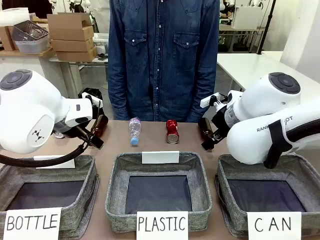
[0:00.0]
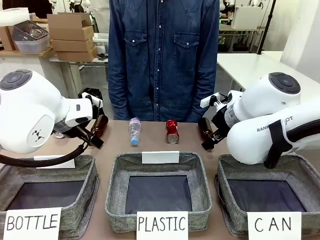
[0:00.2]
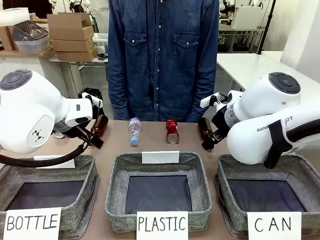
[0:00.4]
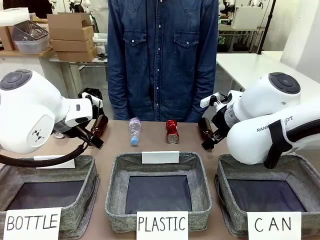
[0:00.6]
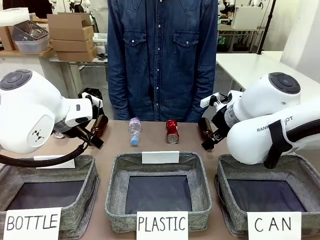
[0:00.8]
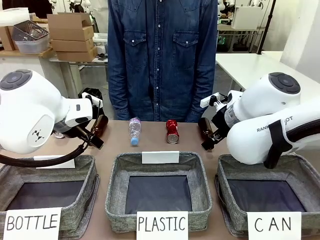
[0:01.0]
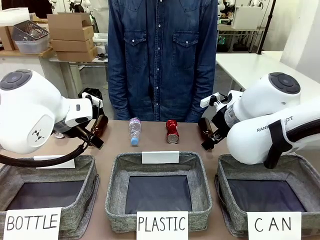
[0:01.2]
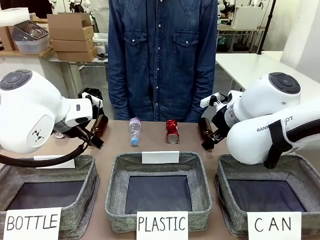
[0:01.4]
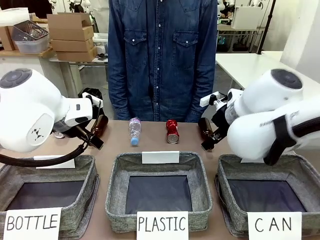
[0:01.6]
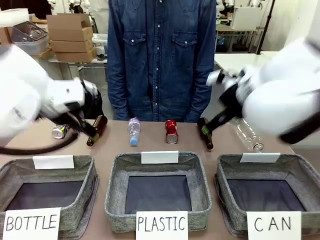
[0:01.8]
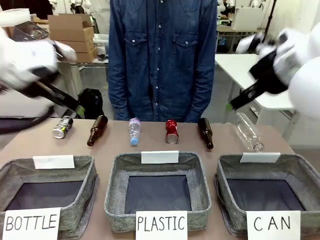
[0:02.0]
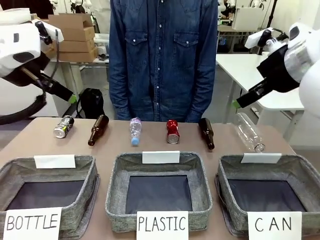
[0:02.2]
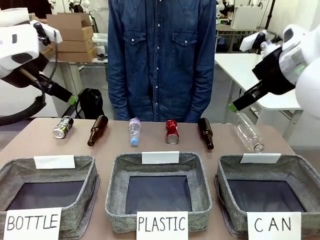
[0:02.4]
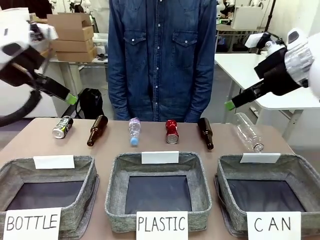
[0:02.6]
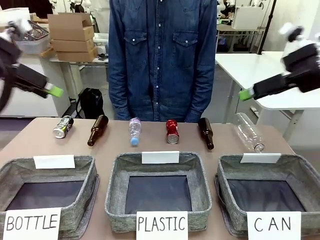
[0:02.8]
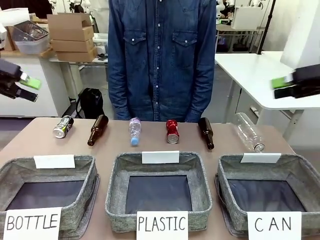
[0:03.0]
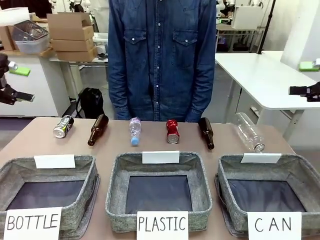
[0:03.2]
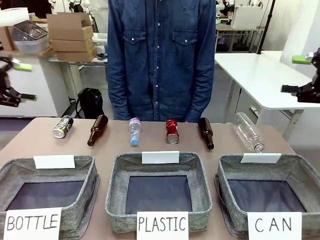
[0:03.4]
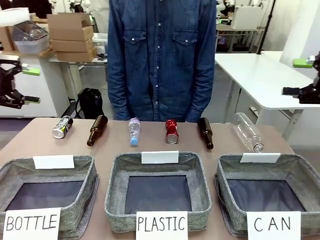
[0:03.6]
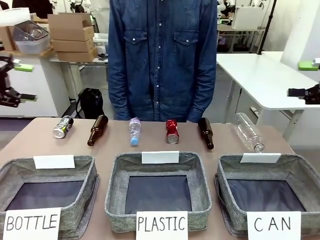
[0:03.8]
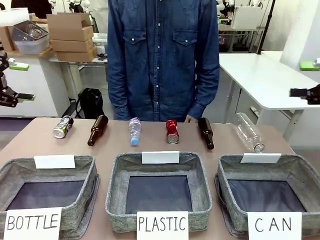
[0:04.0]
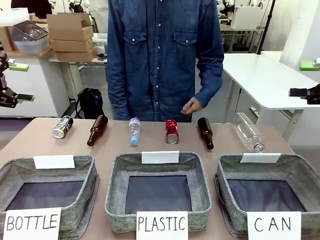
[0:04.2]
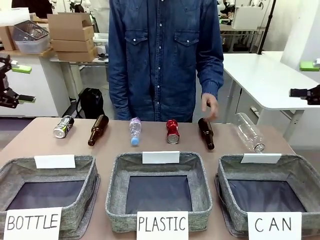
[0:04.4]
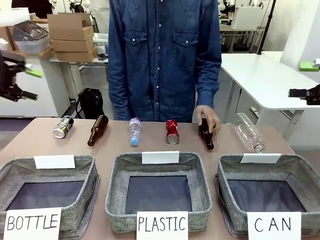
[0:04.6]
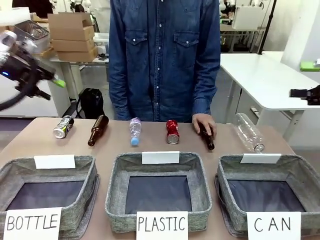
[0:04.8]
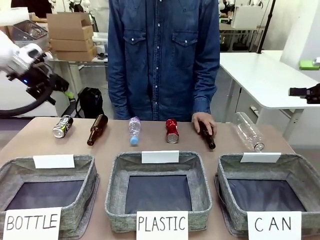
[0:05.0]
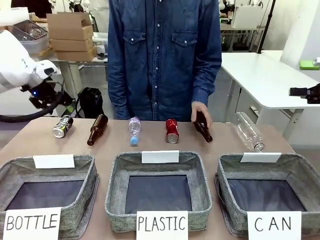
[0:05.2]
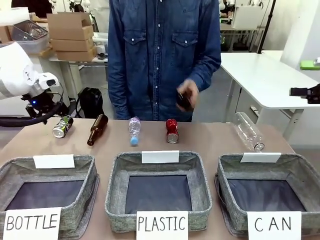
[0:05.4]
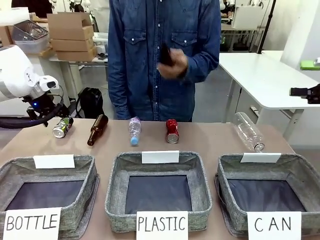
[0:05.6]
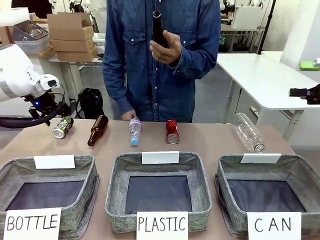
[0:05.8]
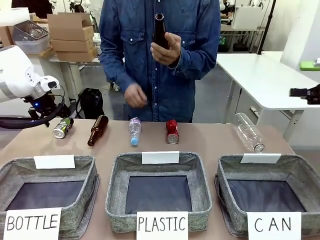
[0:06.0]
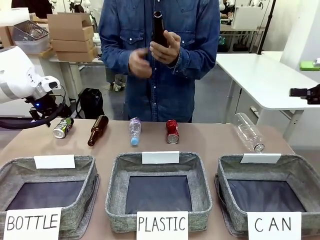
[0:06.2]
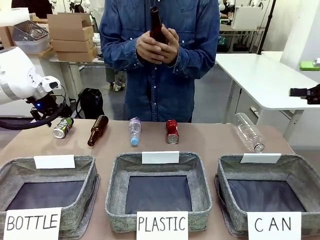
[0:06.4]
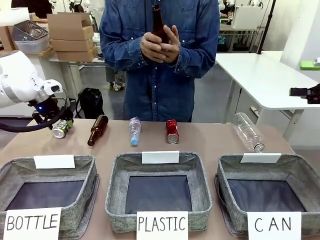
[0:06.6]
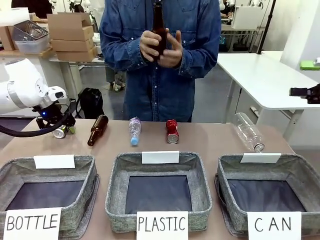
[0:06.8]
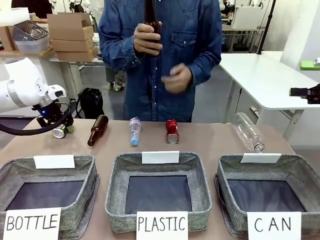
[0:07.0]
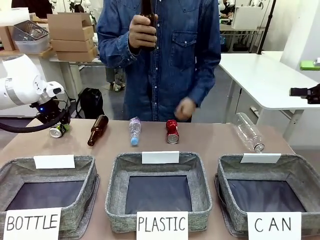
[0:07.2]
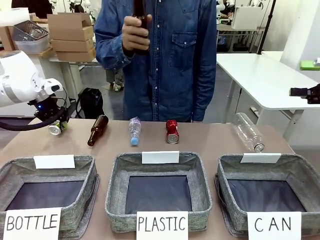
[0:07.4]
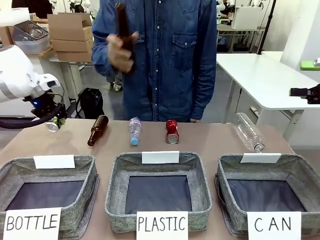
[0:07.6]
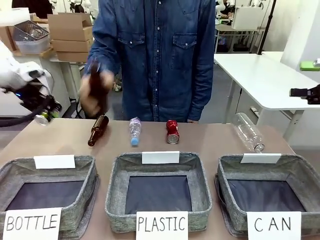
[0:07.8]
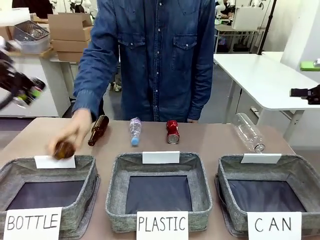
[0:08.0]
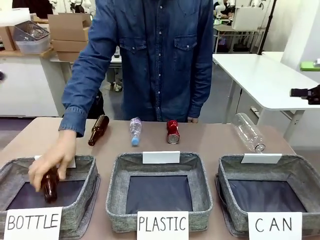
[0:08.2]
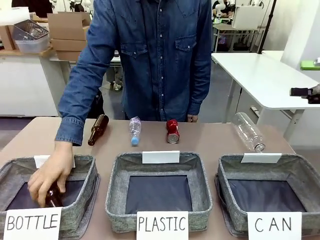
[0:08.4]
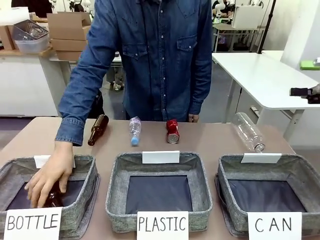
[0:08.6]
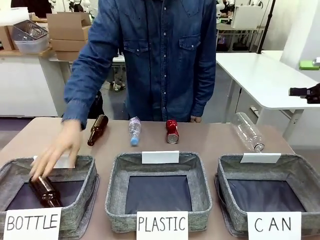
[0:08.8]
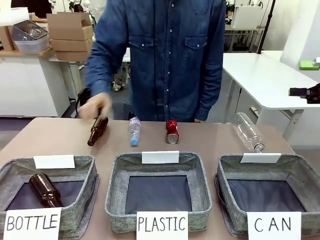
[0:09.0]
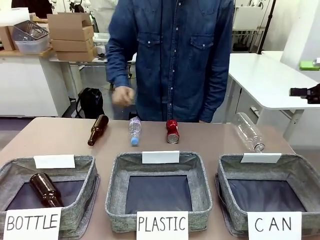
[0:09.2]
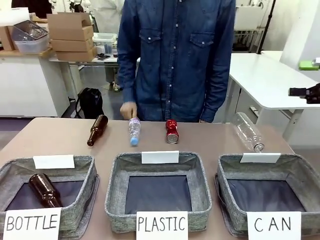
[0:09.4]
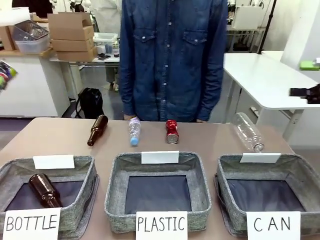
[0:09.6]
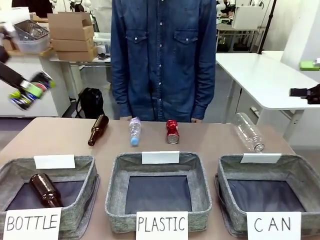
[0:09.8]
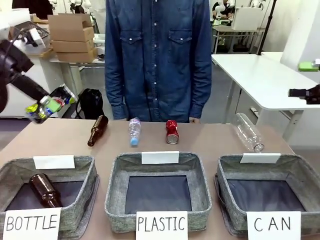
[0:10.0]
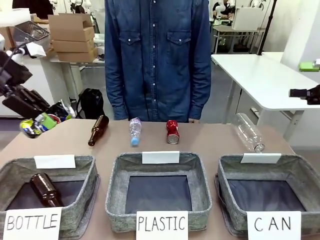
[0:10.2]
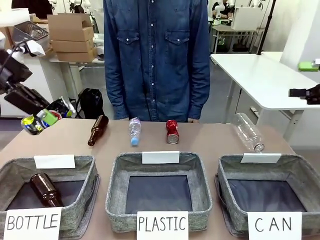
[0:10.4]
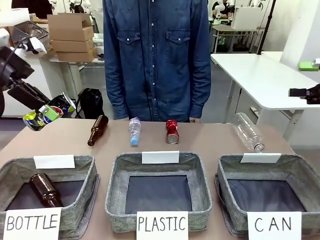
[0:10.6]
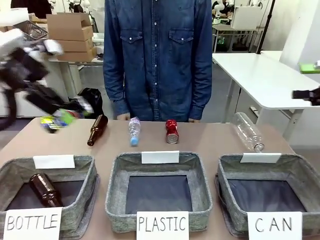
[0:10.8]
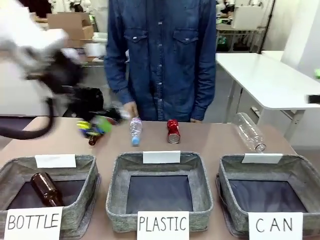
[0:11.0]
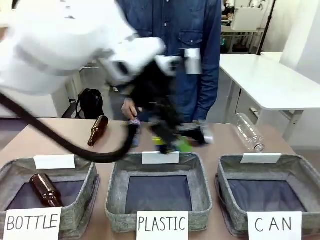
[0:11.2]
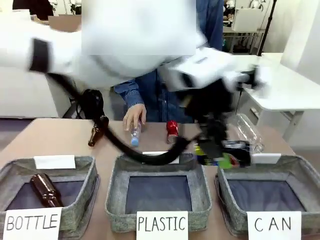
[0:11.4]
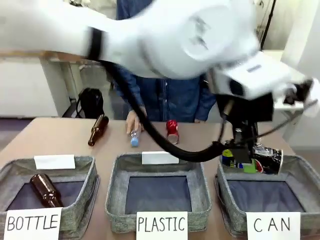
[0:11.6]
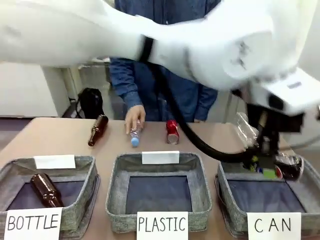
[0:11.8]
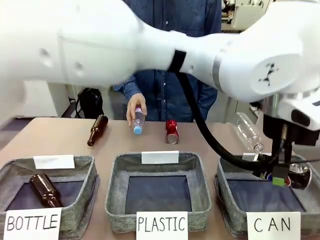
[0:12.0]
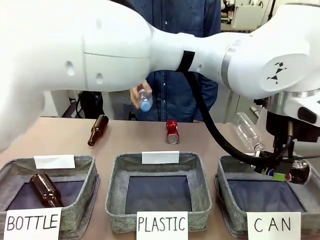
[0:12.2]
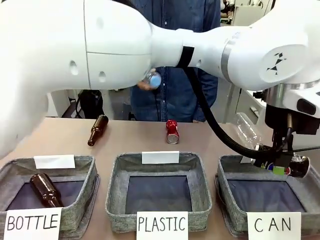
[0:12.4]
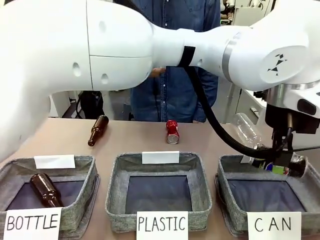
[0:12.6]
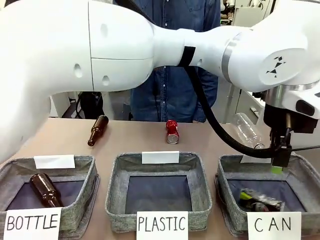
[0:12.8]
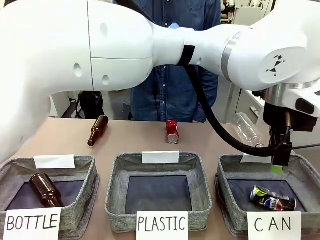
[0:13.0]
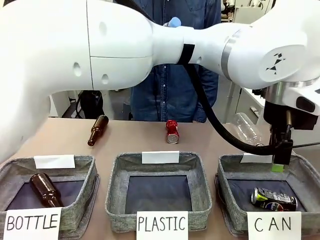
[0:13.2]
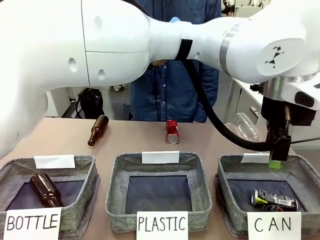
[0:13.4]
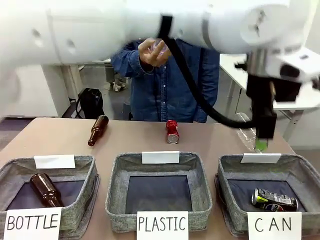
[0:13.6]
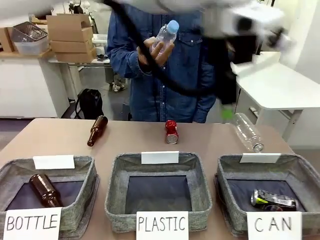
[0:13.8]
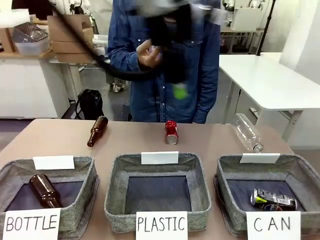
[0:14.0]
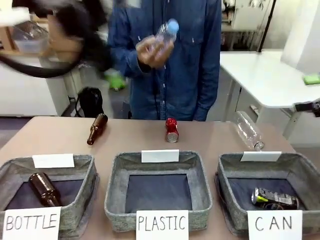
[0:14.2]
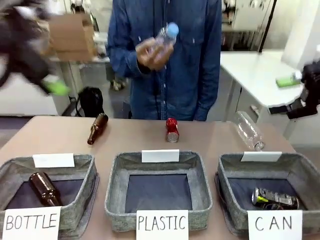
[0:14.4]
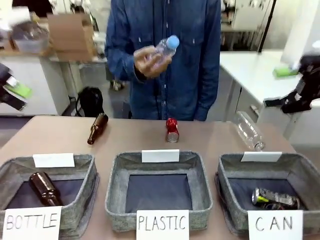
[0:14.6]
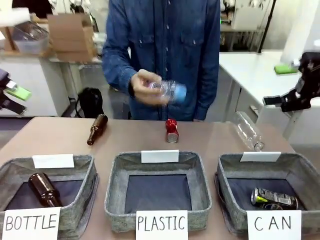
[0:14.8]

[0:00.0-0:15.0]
Task: Sort the can waste into the basket.
Robot: Pick up the can waste from the table and place it in the right Fabric basket.
